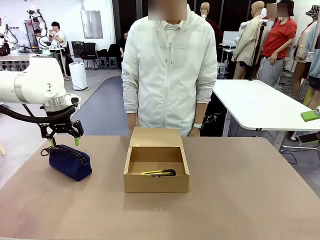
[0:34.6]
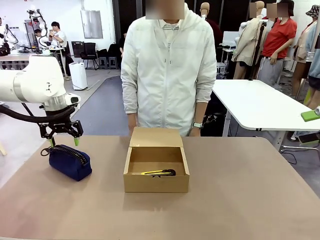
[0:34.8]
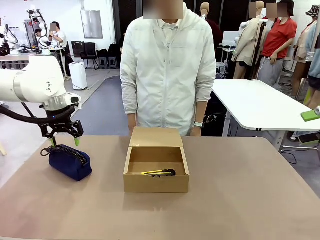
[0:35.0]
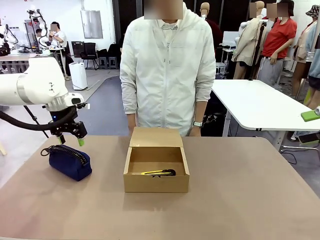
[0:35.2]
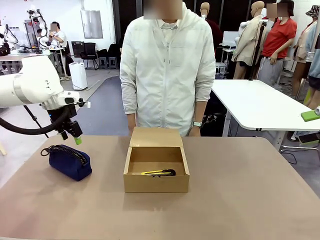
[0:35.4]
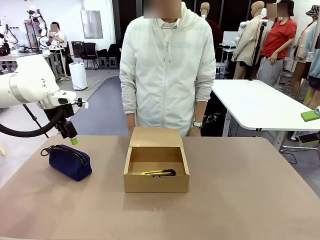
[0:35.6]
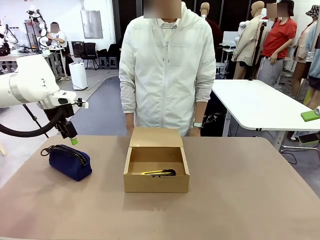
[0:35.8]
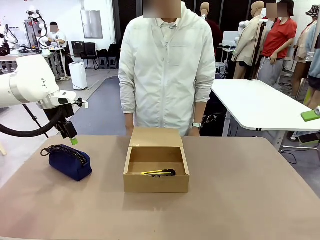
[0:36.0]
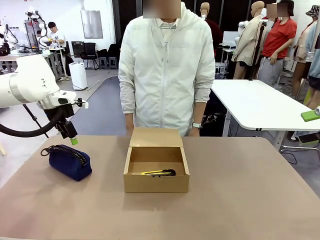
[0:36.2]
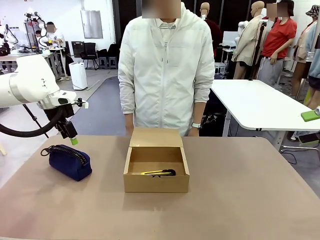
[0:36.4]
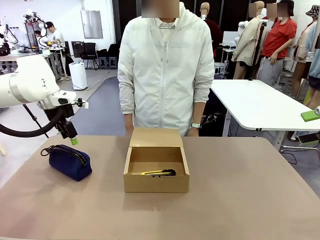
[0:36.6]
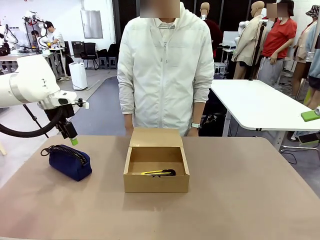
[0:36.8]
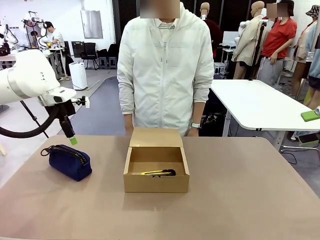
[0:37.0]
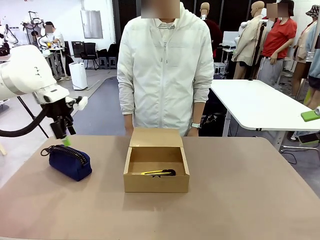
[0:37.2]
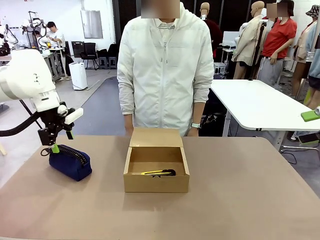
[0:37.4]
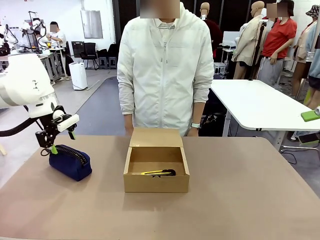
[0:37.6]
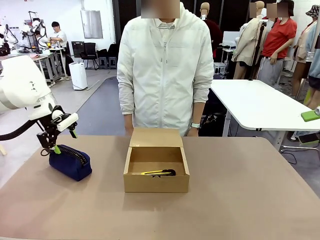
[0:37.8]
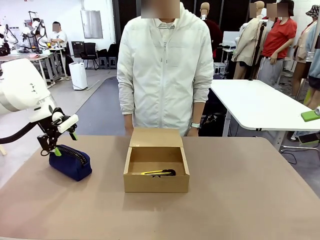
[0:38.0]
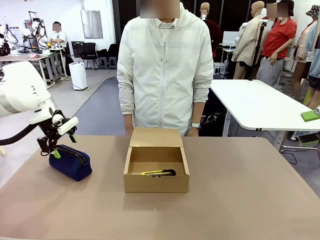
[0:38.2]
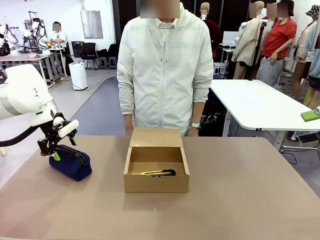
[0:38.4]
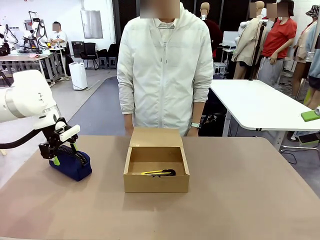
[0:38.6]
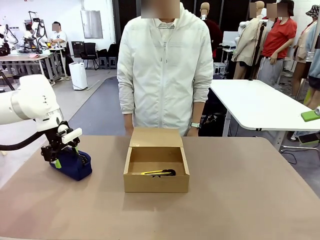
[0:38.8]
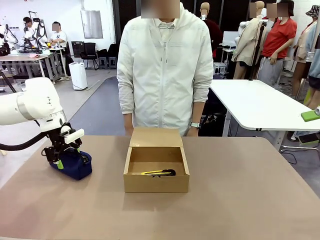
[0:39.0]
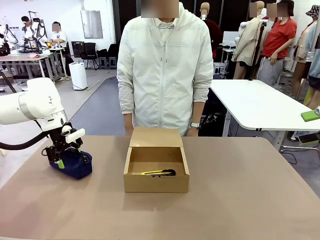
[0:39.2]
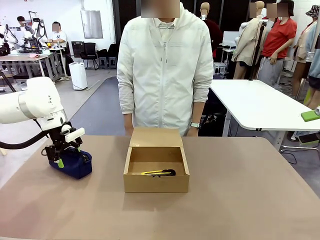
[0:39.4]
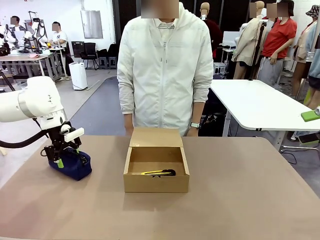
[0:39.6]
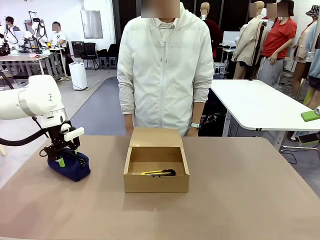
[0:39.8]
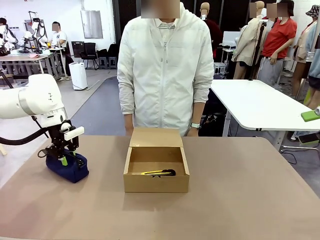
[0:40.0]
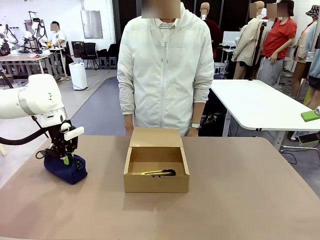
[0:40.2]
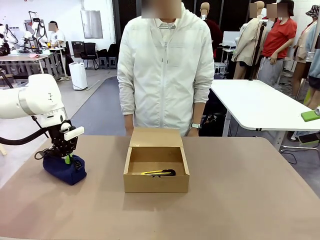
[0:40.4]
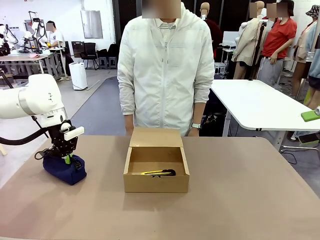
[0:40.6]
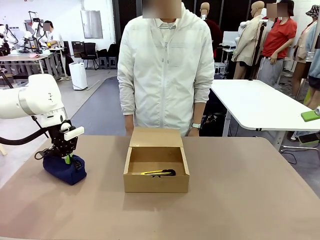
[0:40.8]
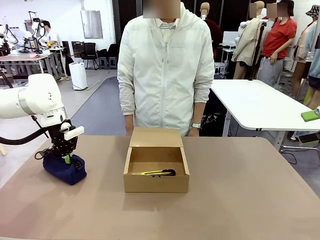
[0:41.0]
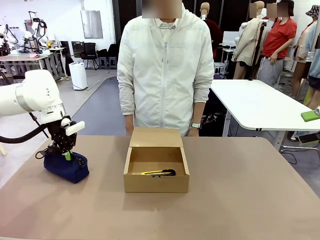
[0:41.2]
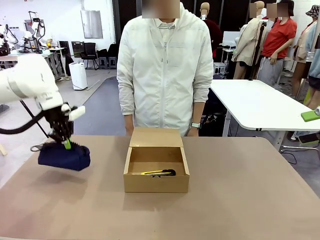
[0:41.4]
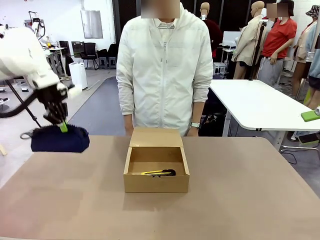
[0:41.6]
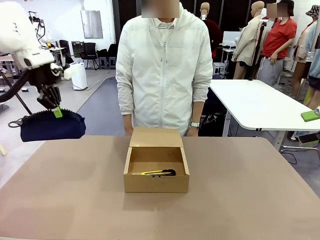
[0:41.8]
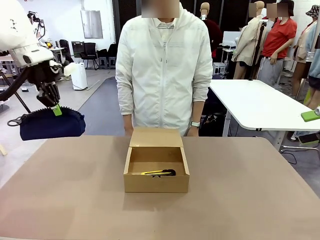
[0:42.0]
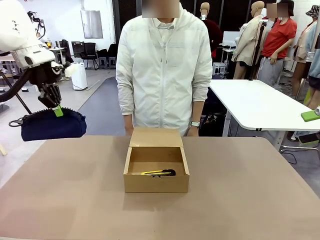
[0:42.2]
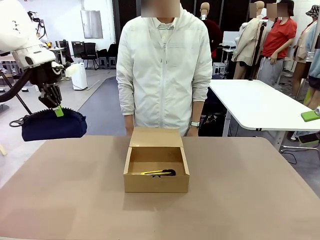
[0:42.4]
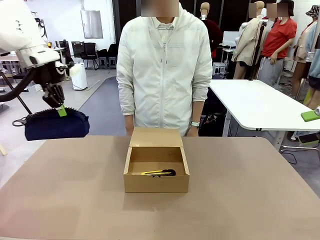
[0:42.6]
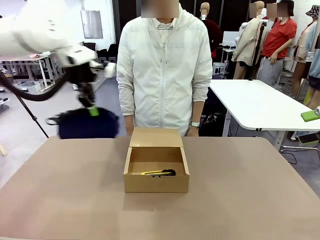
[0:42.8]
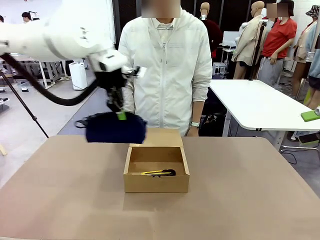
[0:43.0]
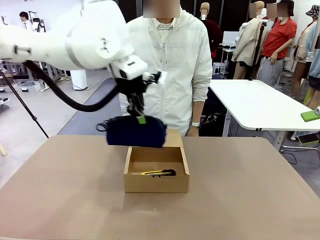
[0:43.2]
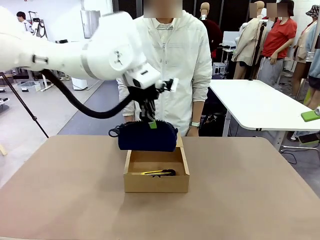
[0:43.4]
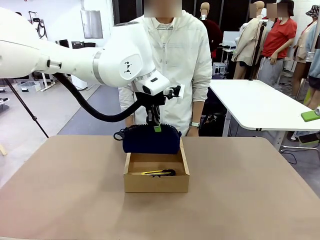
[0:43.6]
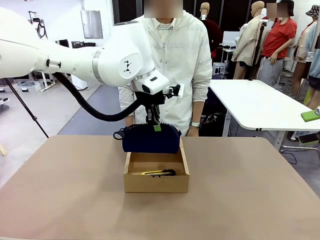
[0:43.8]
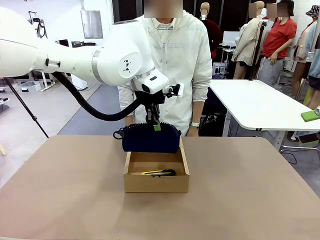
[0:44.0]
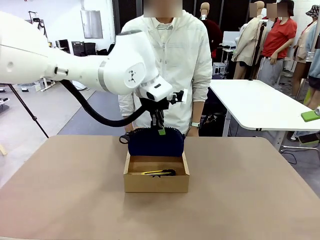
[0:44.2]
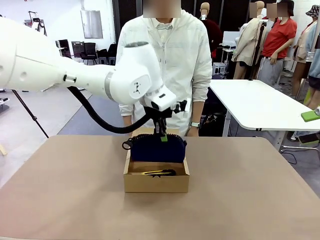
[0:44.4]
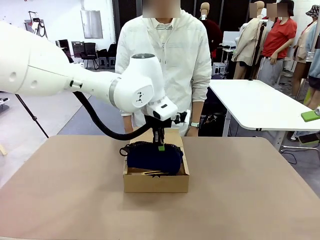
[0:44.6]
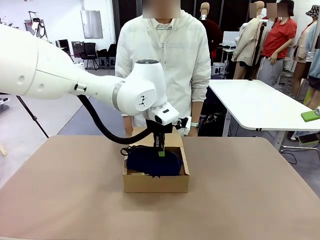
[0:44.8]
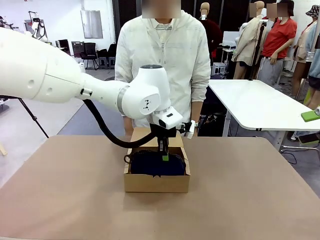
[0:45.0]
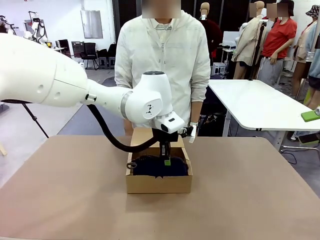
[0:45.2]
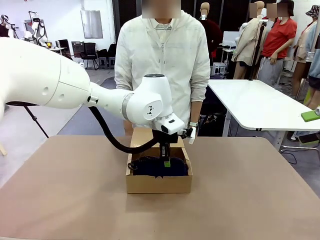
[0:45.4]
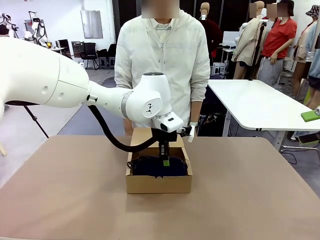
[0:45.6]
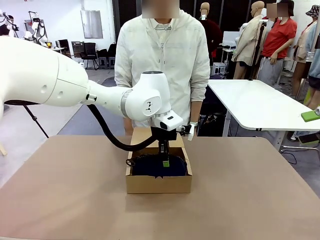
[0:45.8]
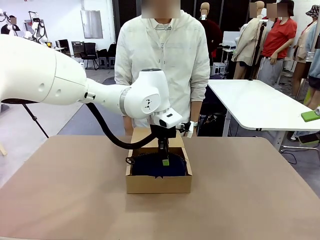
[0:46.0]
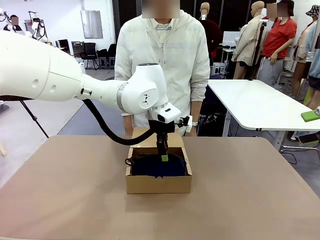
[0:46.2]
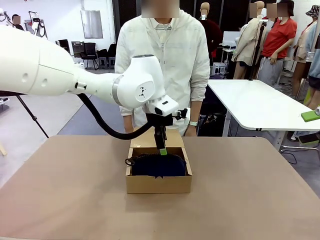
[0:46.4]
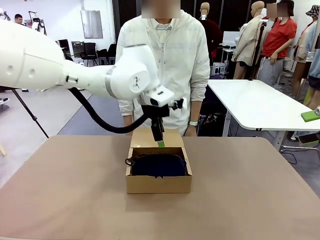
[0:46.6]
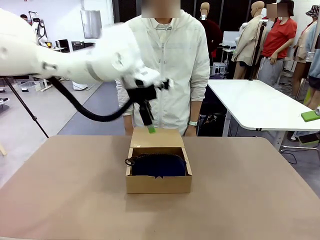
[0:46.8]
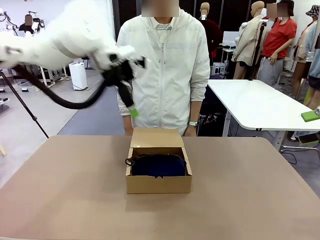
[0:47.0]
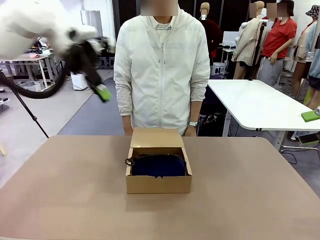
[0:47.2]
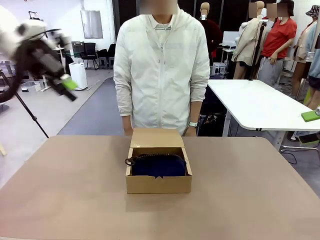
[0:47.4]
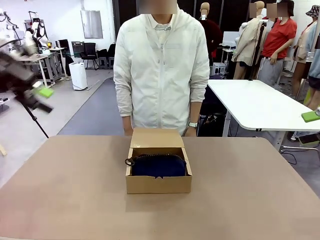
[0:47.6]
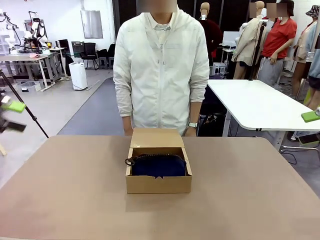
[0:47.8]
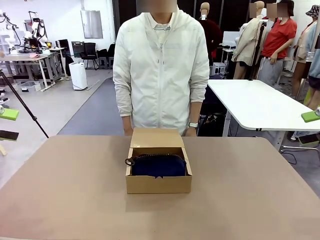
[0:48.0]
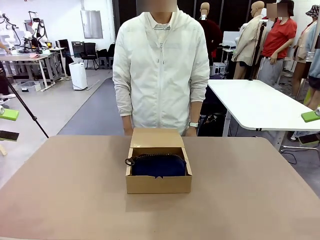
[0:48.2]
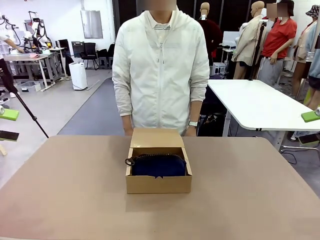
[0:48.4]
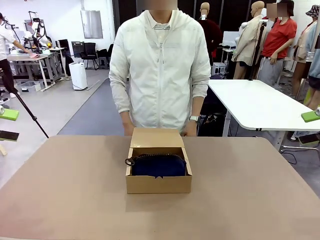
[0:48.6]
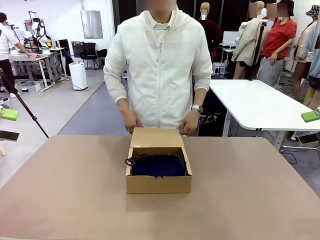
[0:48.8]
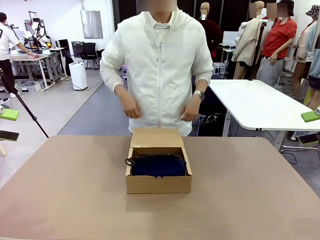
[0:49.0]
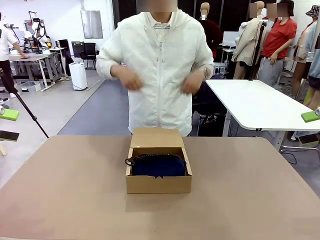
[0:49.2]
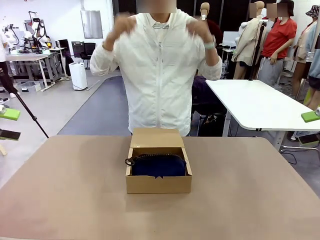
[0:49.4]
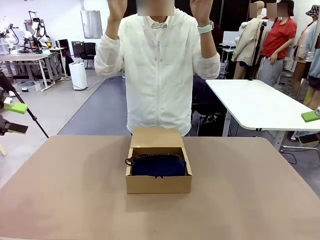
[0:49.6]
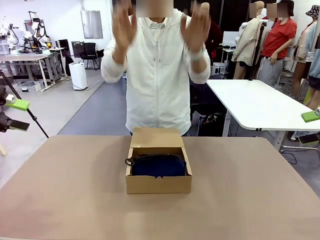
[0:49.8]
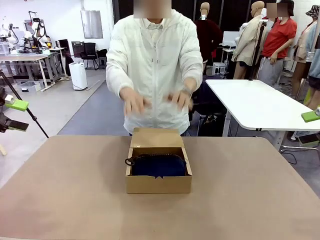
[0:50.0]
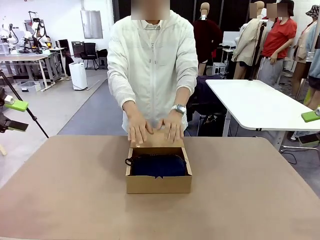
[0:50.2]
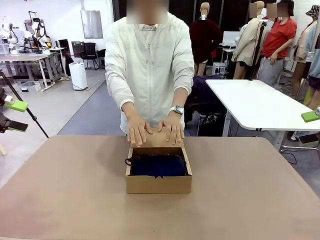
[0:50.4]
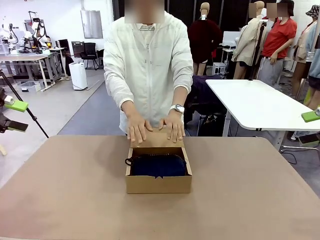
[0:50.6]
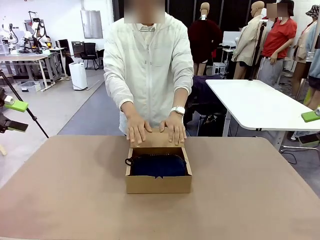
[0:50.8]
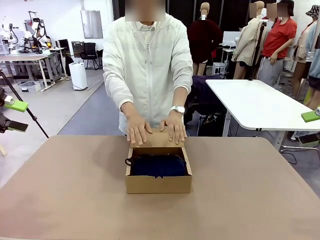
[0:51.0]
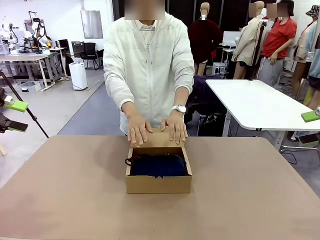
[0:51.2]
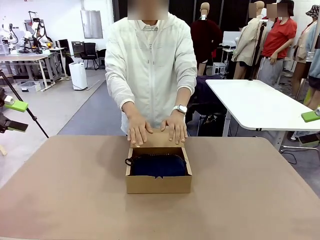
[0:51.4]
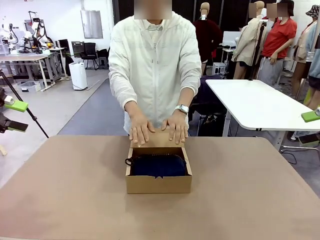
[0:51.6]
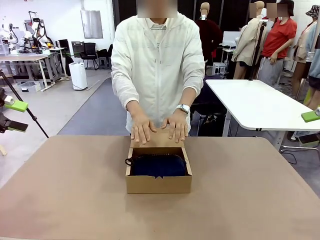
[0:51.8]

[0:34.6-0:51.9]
Task: Pack the items into the box.
Robot: Pick up the item indicated by the person and place it inside the Mailer Box.
Person: Lower both hands vertically with palms facing downward, as if pressing something closed.

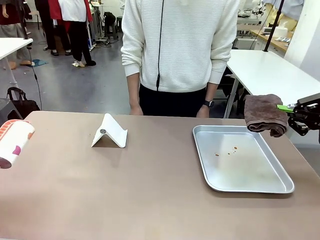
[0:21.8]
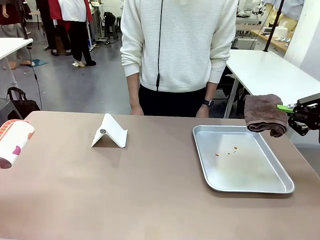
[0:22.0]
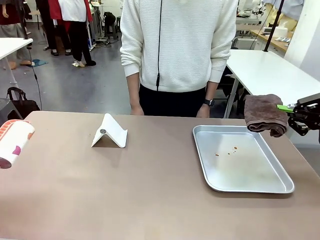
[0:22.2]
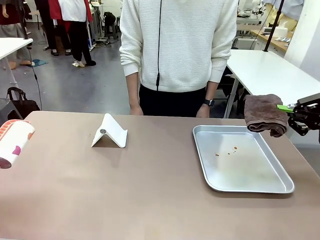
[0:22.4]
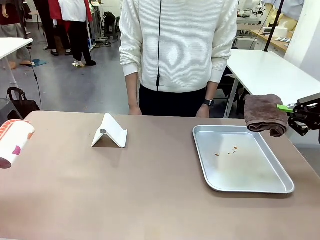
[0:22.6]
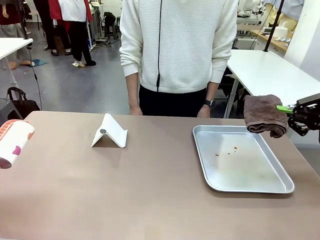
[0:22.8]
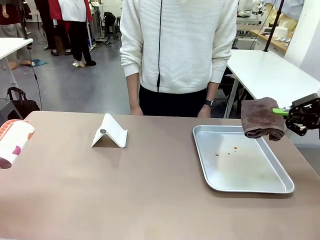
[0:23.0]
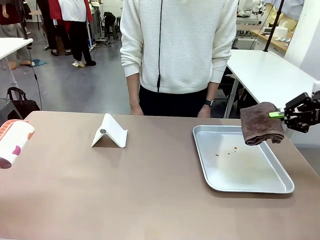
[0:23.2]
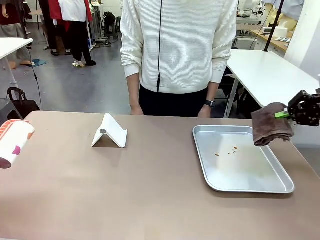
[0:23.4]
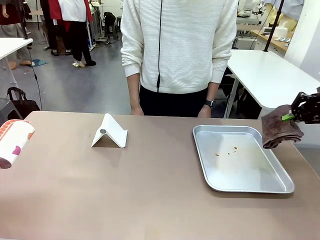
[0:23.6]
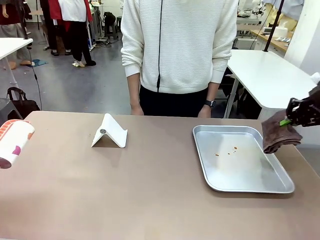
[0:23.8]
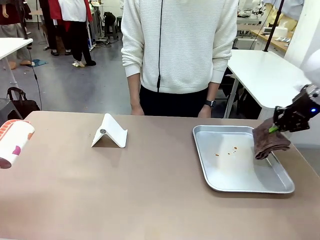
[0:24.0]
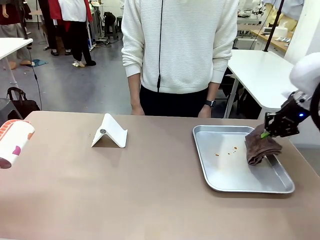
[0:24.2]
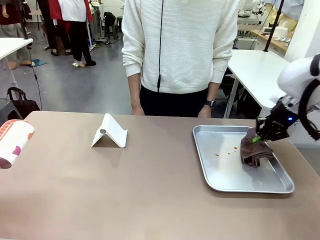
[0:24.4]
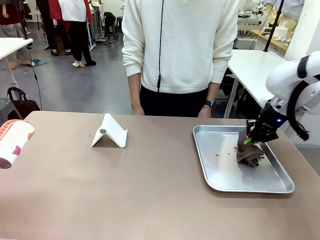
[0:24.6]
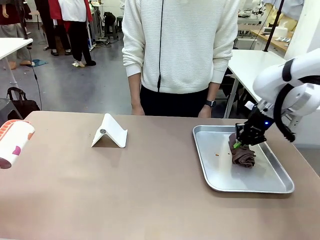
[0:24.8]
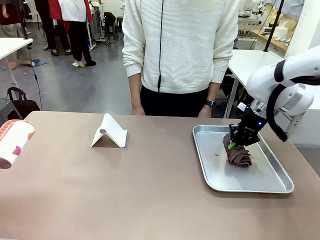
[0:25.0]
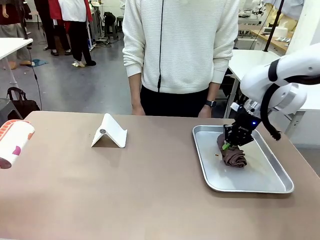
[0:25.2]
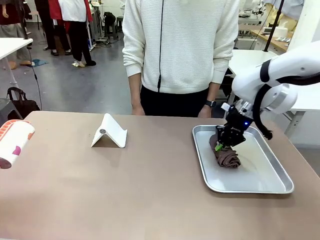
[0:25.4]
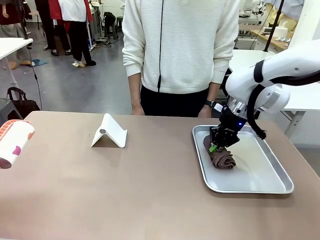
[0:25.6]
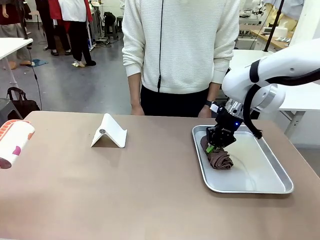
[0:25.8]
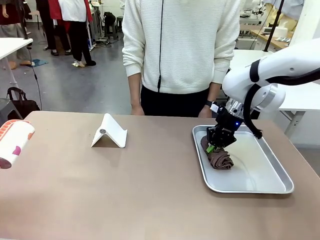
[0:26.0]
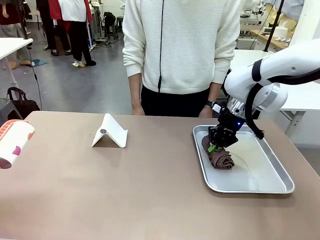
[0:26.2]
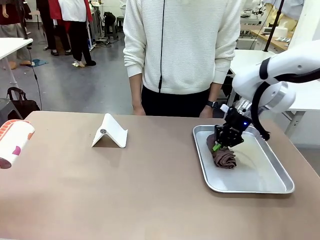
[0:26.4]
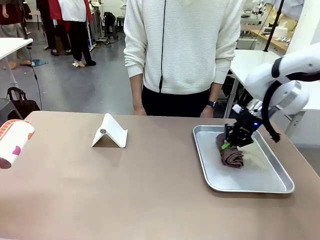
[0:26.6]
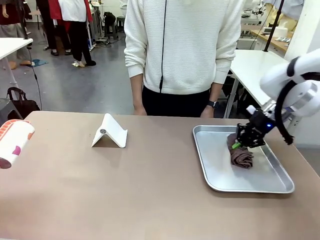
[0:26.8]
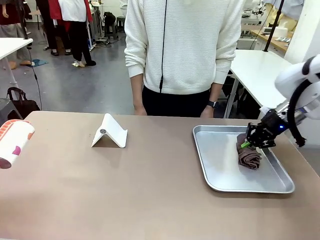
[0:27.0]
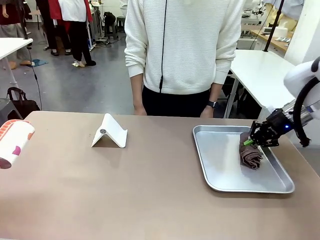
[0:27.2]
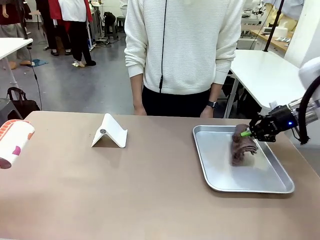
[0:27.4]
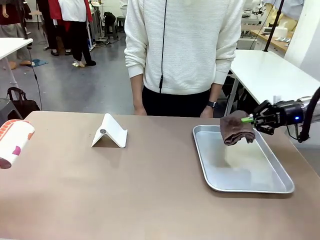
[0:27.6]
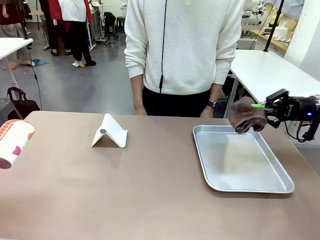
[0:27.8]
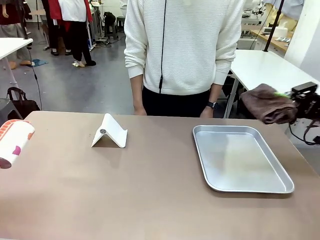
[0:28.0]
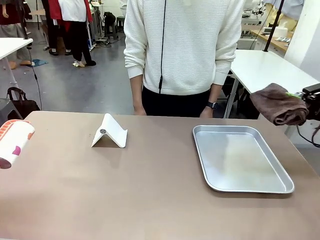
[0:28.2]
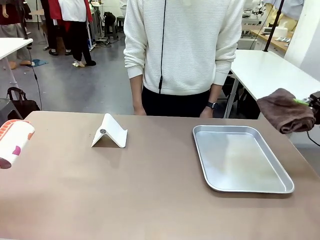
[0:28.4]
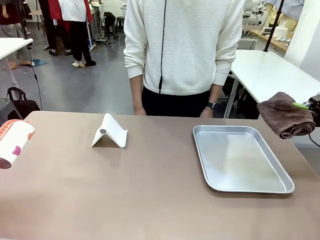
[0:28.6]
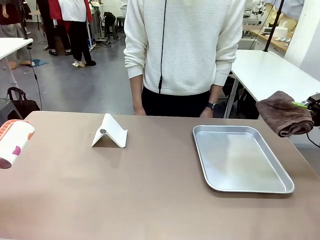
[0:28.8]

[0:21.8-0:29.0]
Task: Clean the surface of the table.
Robot: Clean the area not pointed to by the person.
